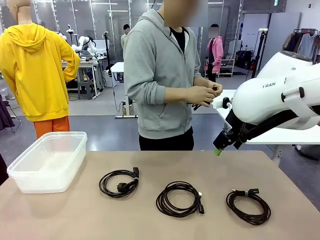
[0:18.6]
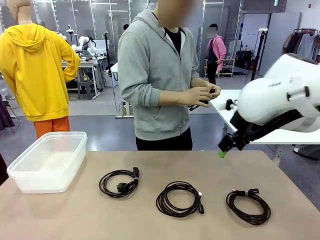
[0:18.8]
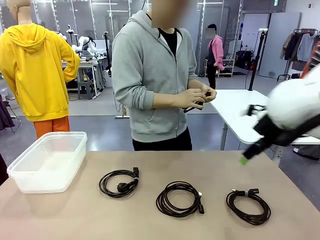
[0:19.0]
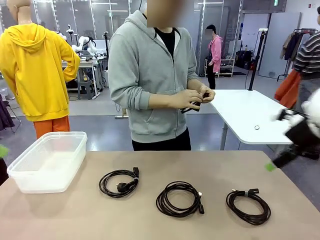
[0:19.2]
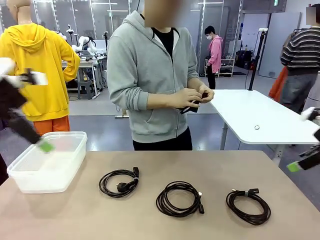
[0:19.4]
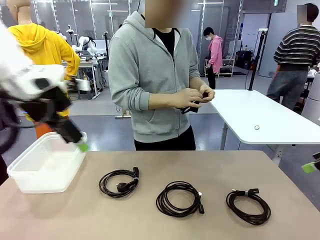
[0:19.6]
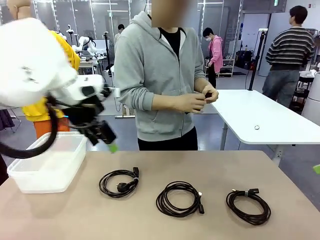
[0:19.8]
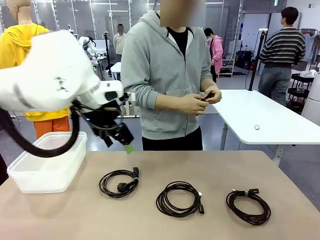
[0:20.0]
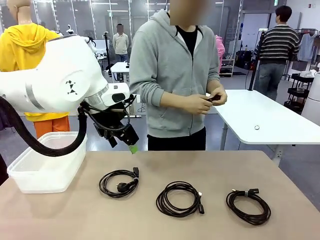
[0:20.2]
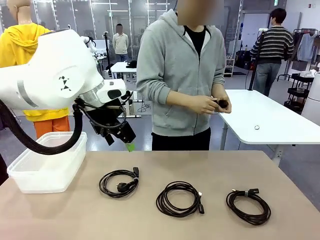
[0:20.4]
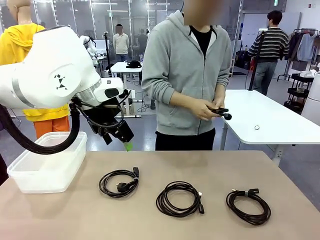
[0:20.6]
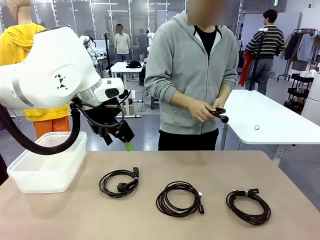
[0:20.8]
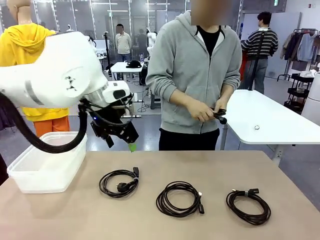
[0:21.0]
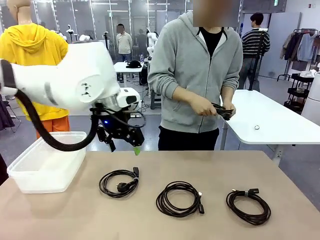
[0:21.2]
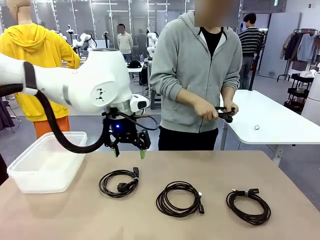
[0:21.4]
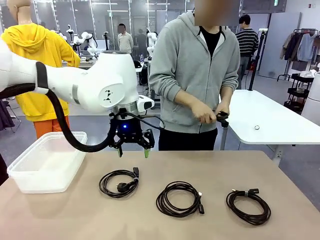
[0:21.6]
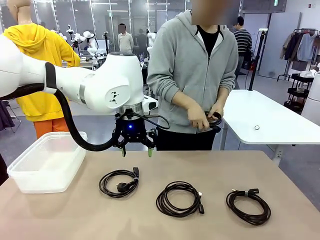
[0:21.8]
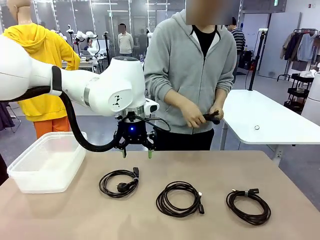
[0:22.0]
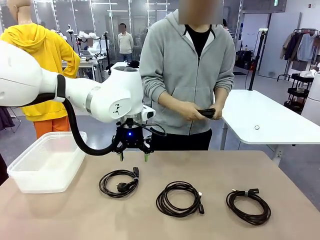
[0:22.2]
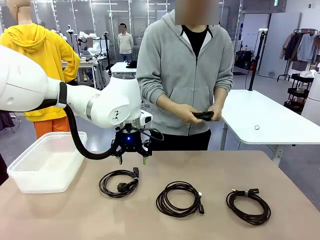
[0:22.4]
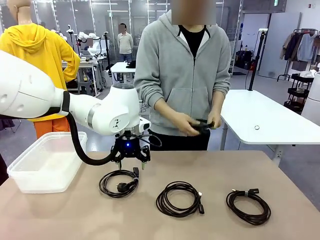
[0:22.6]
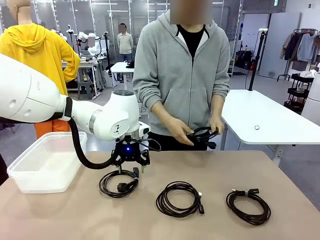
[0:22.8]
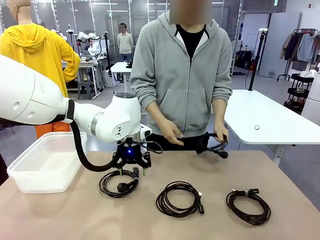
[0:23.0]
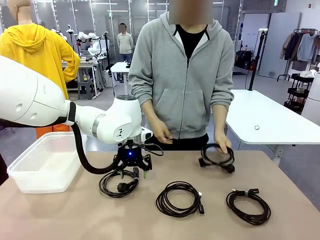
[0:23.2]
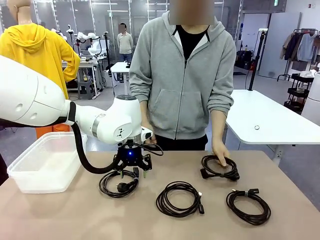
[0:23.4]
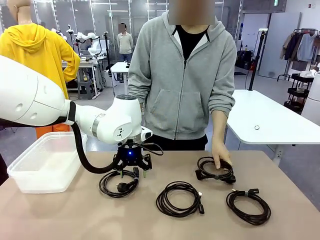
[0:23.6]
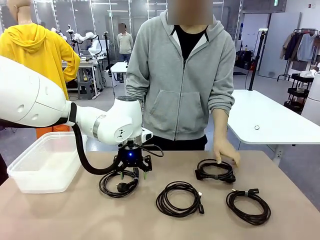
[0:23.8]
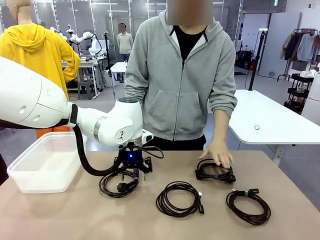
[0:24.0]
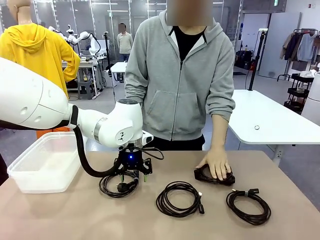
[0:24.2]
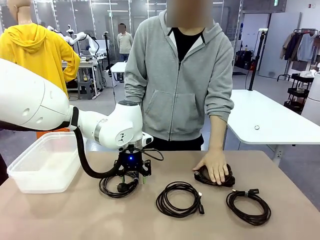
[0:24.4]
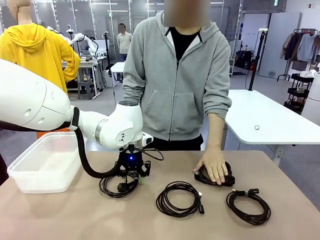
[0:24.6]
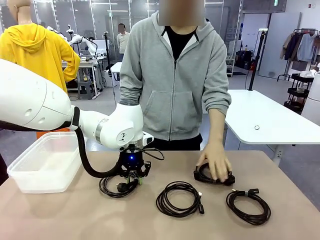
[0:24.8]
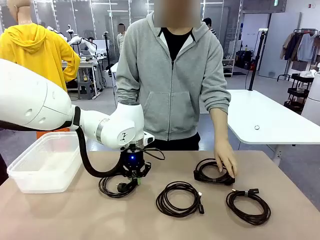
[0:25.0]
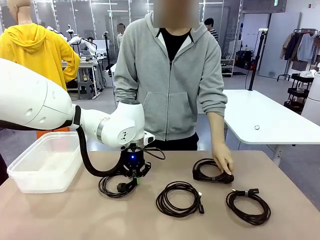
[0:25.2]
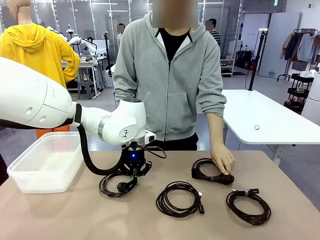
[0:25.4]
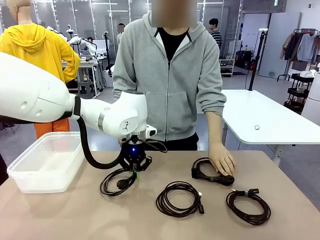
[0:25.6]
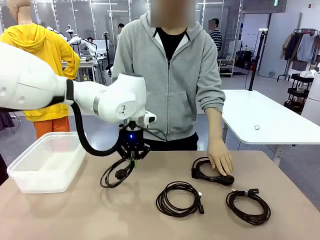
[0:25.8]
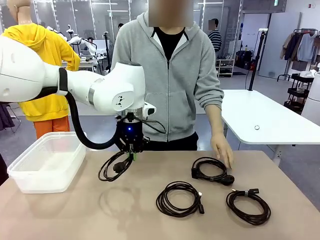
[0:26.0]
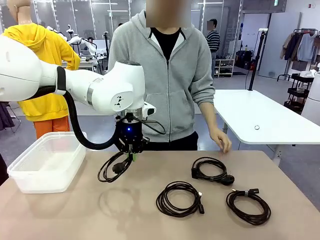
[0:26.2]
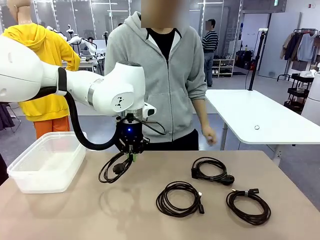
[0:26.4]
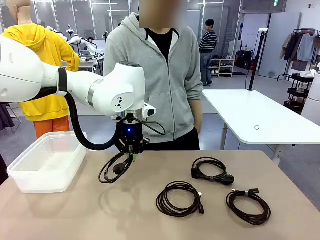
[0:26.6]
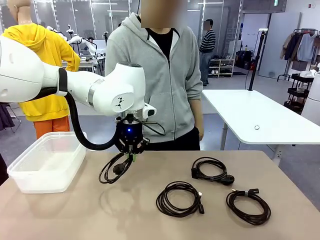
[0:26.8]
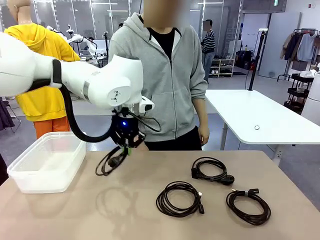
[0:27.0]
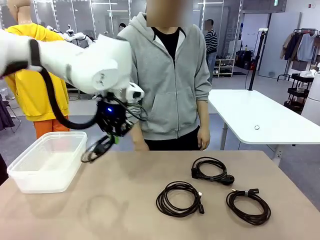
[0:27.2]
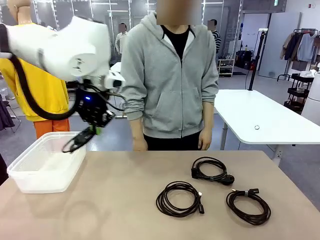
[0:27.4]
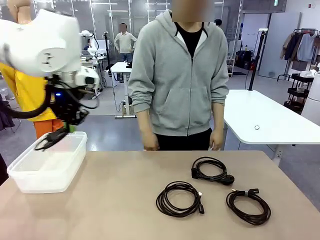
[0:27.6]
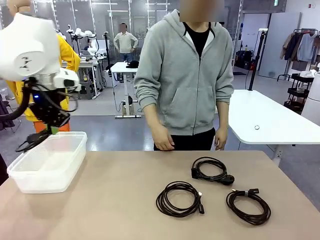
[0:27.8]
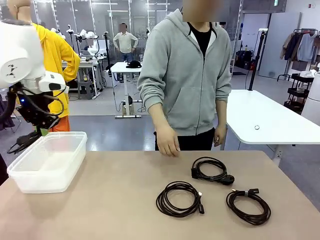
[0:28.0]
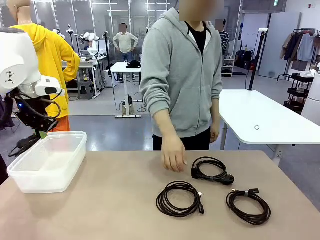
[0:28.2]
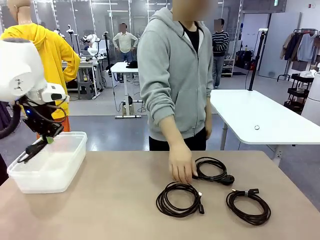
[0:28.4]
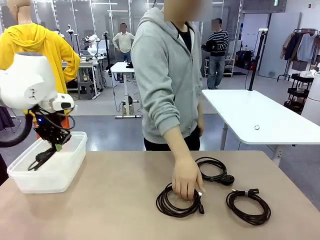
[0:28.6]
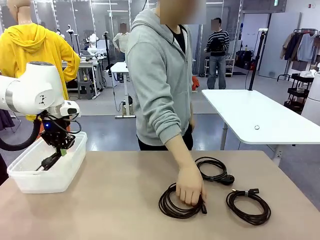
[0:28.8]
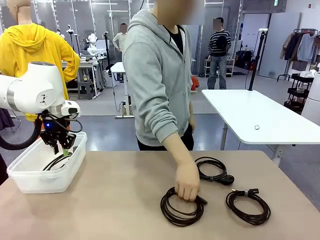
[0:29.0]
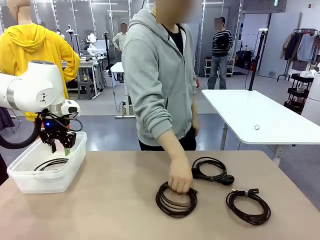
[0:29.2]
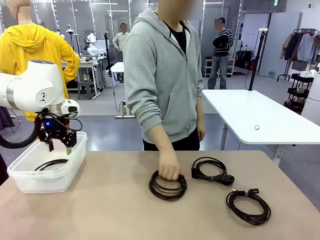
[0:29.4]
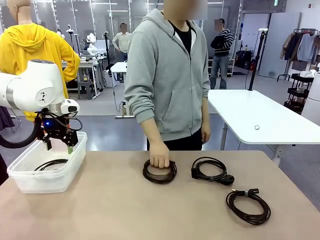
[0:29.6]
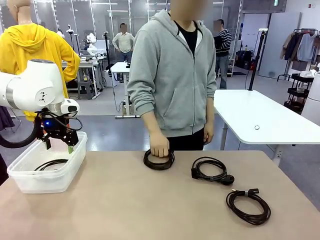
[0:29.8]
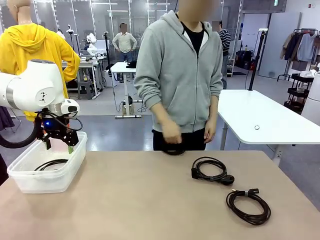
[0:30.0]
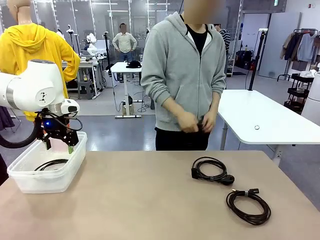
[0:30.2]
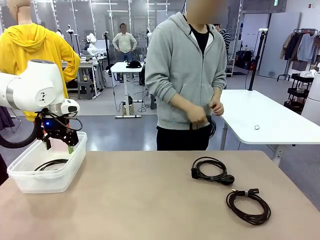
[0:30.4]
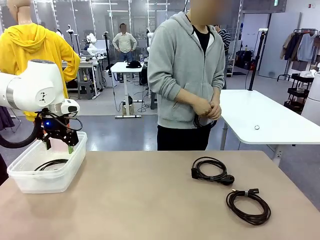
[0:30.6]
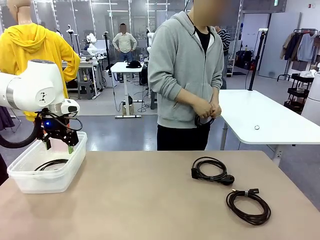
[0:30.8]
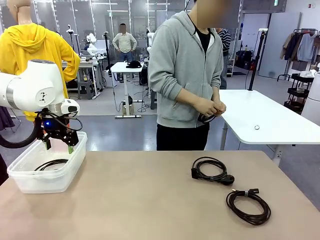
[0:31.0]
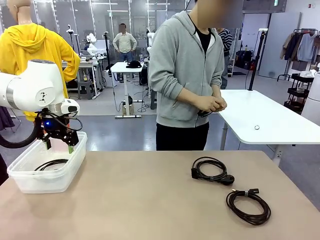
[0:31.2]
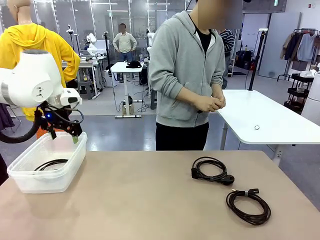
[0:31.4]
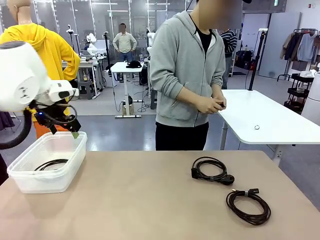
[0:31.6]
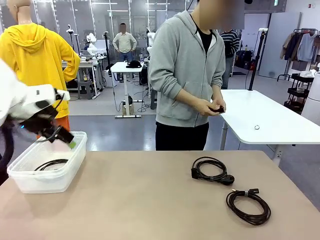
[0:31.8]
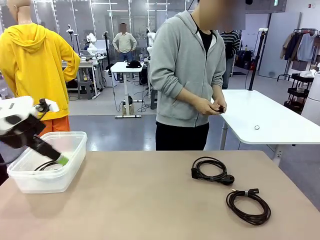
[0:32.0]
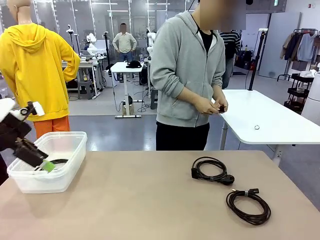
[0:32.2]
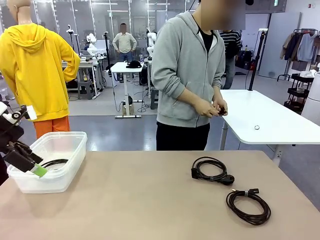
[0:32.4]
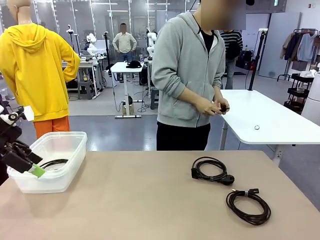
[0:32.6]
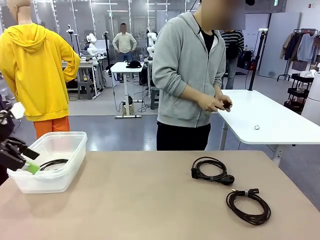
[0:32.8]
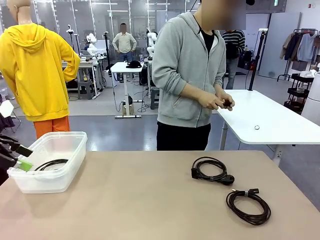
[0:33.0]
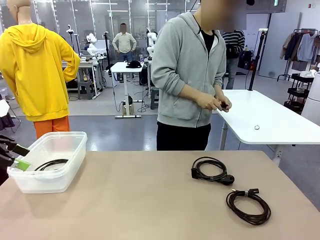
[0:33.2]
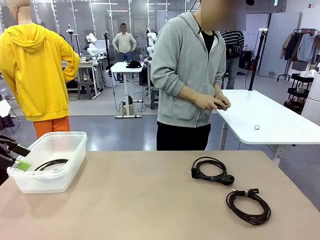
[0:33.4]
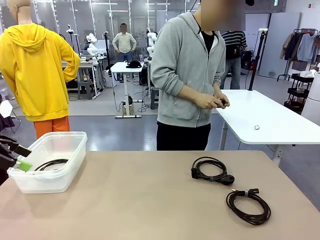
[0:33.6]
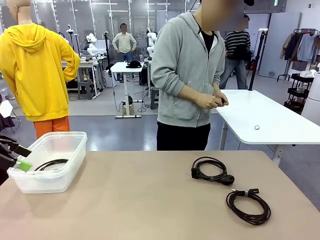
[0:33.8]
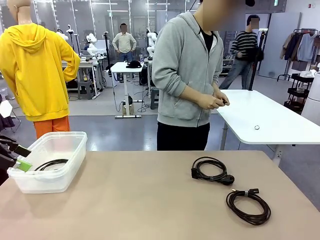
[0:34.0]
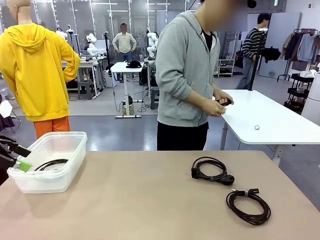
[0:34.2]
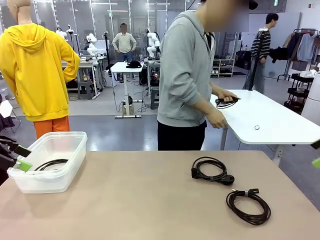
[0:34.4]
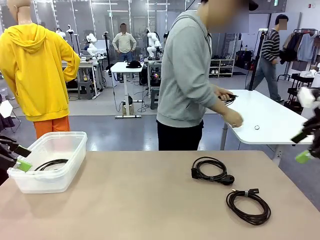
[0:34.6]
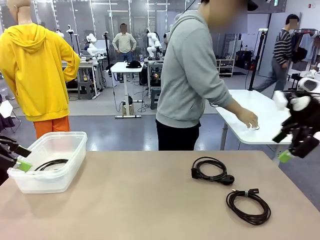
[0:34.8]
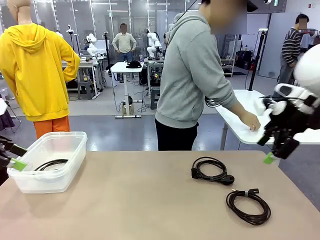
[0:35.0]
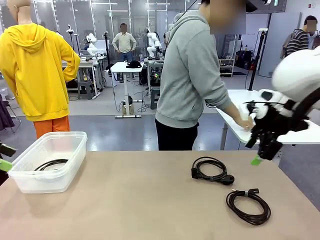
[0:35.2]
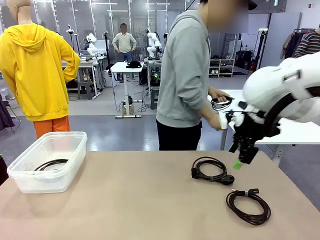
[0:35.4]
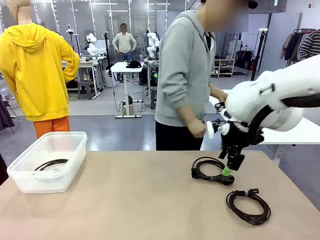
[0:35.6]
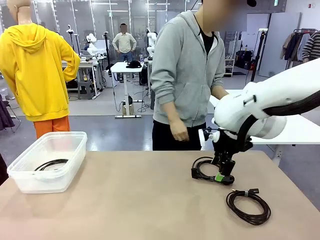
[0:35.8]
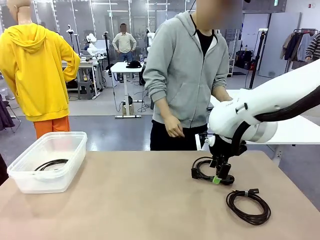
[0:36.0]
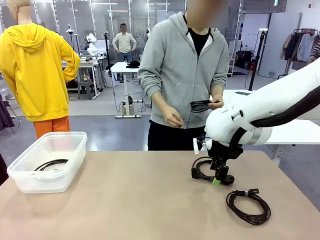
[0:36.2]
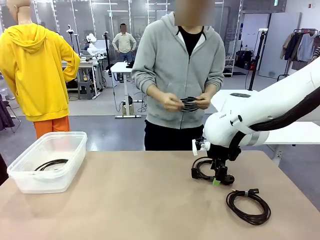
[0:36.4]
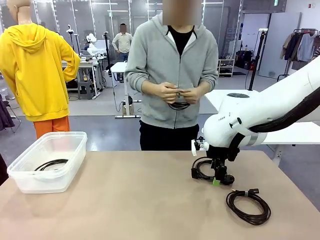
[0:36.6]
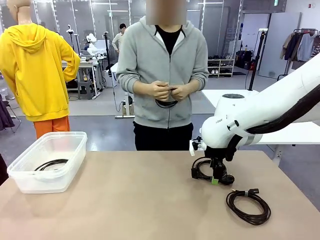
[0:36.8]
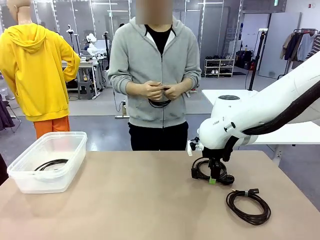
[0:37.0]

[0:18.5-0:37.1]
Task: Organize and store the cables.
Robot: Place the Power Cable into the Organizing box.
